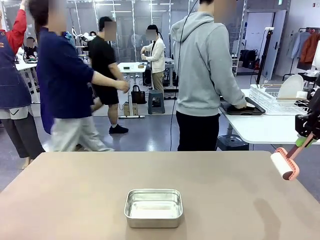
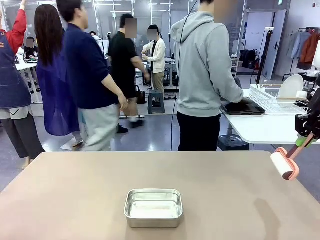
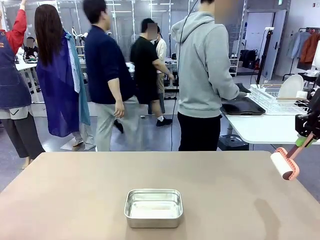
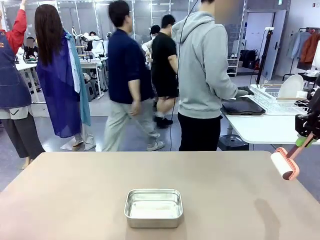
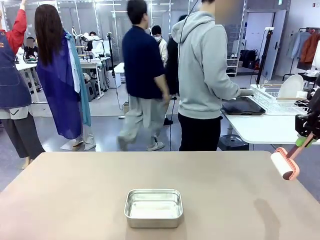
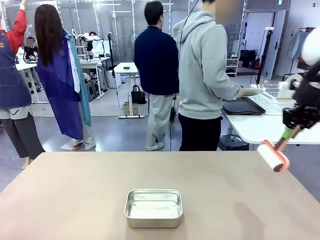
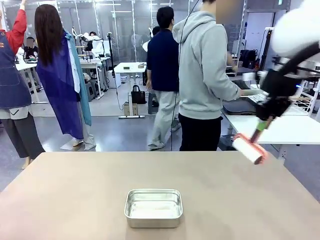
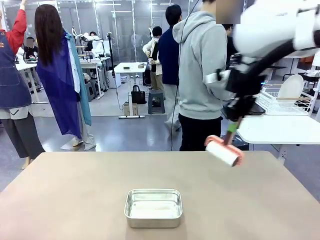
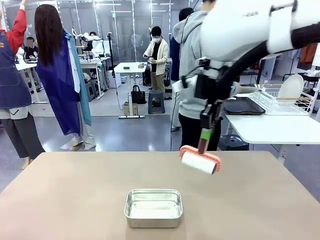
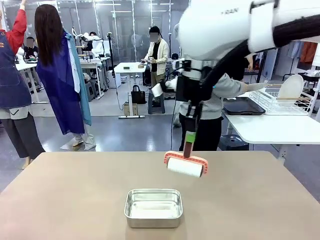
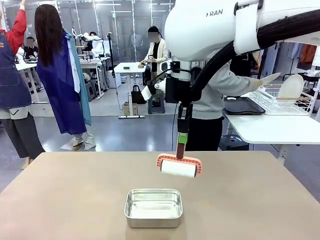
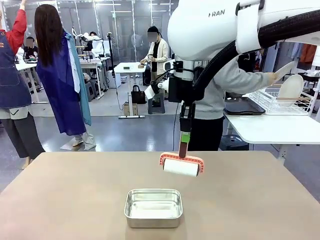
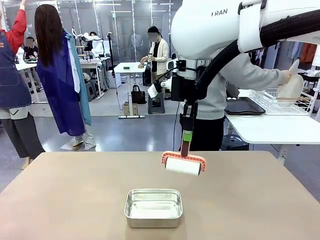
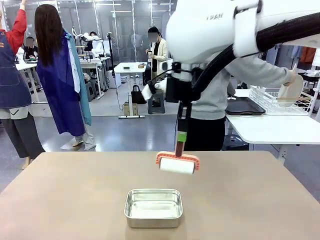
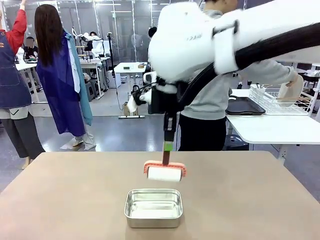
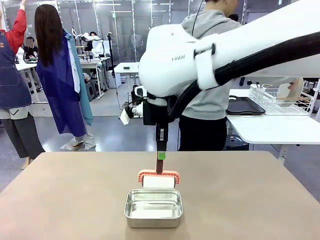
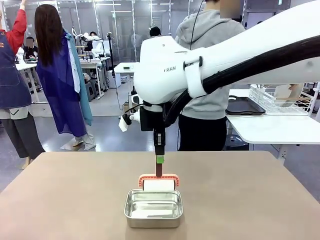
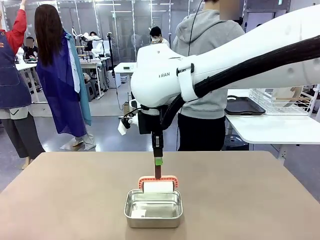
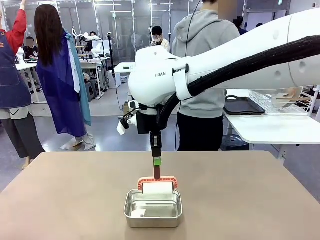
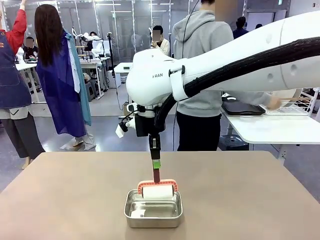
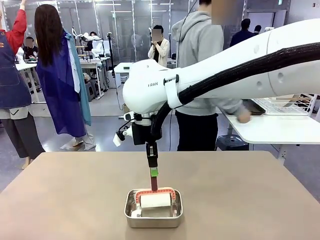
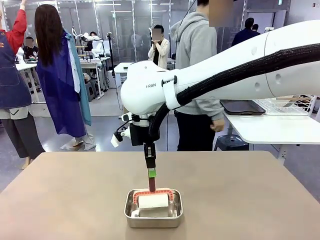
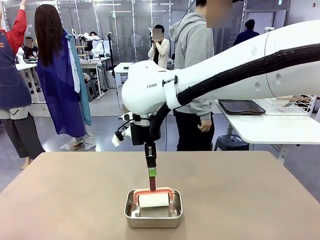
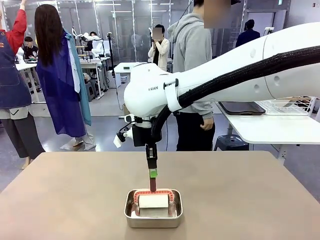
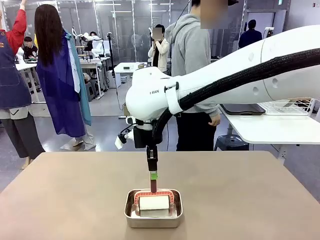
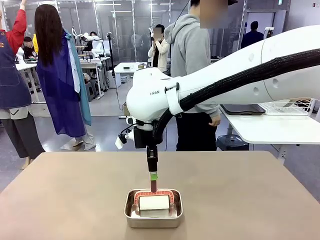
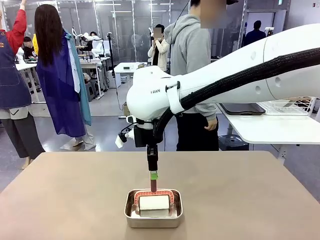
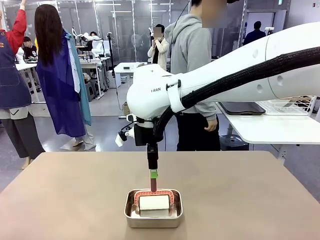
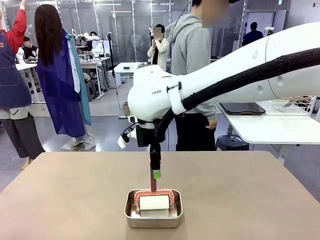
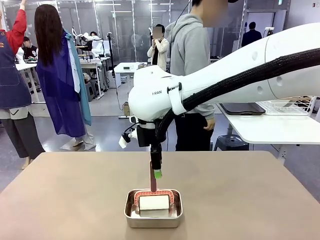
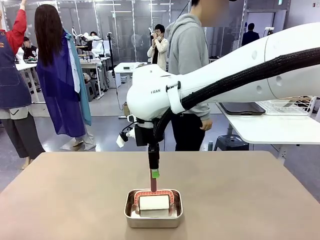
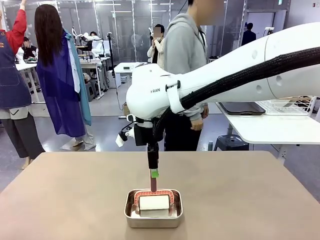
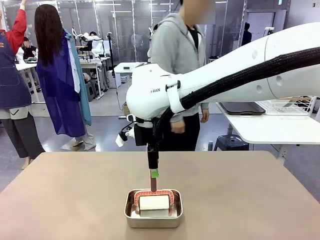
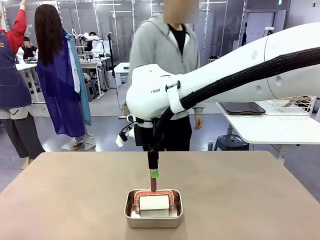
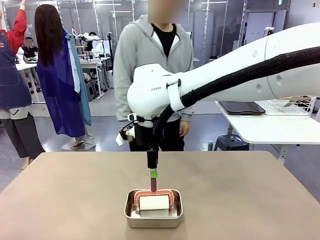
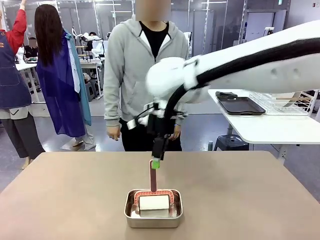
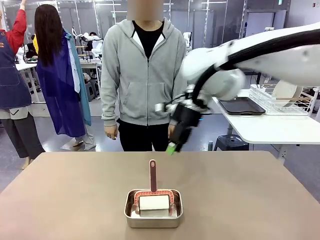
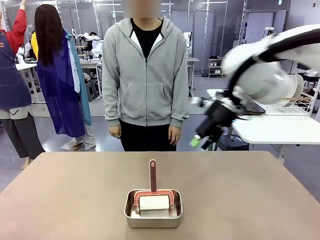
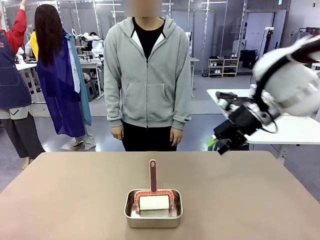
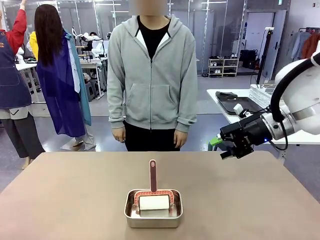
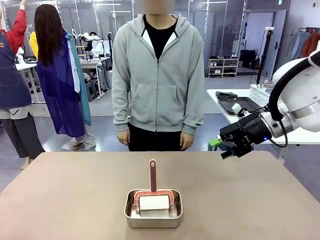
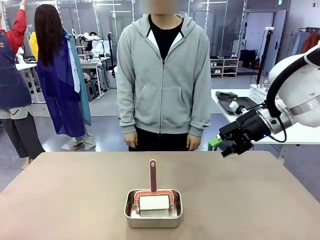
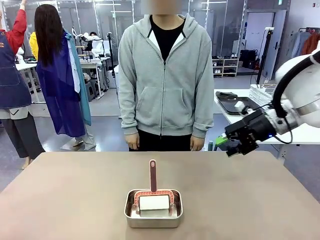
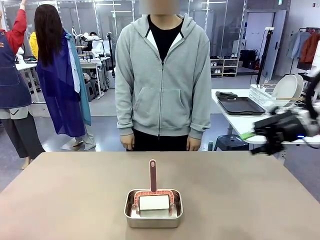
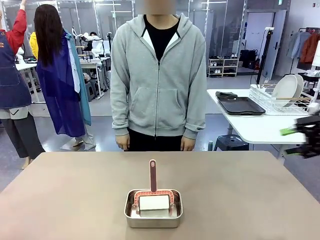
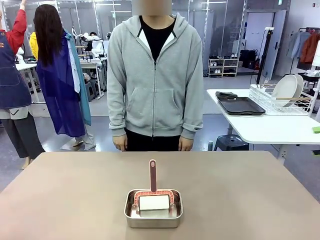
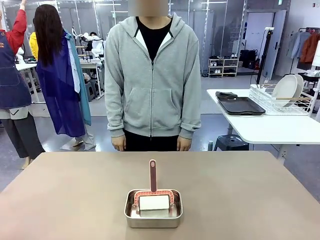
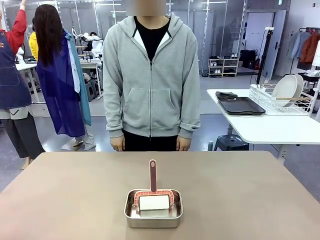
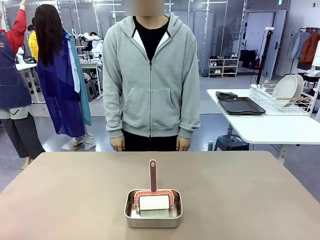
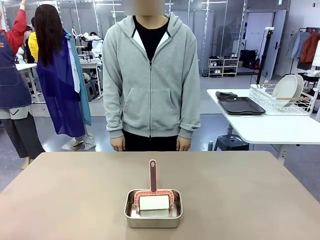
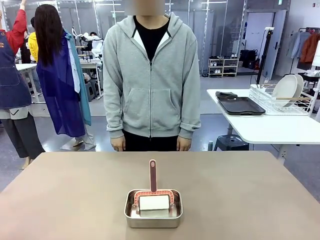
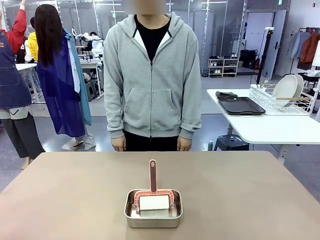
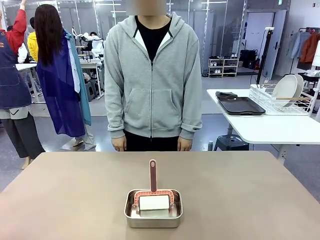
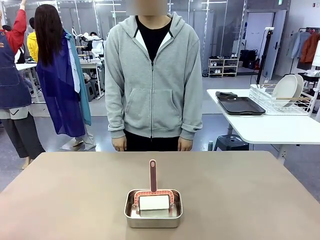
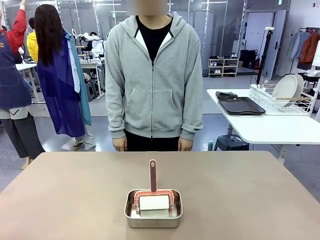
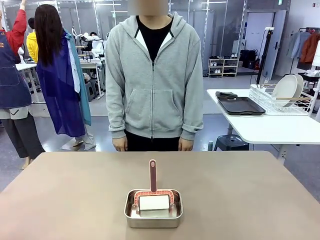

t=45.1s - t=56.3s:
Robot: Place the Lint Roller back on top of the Airtight Container.
Person: Use the Towel with hook to wipe the Plastic Matte Plate , Fork , and Knife and place into the Dish drying rack.
